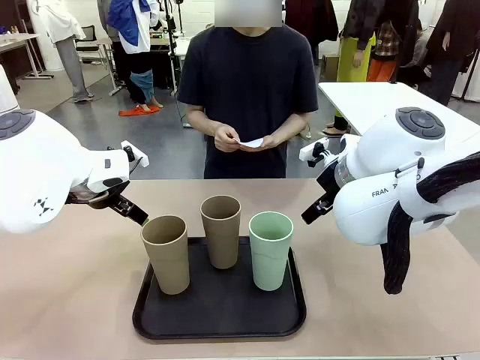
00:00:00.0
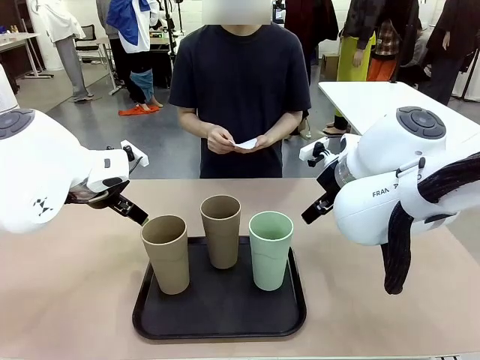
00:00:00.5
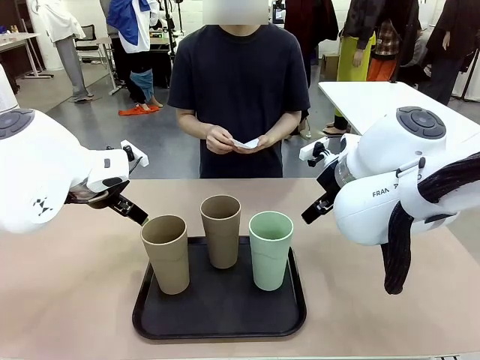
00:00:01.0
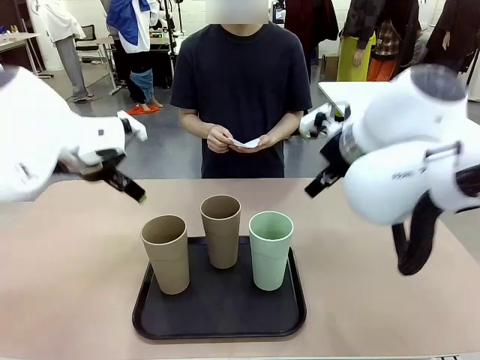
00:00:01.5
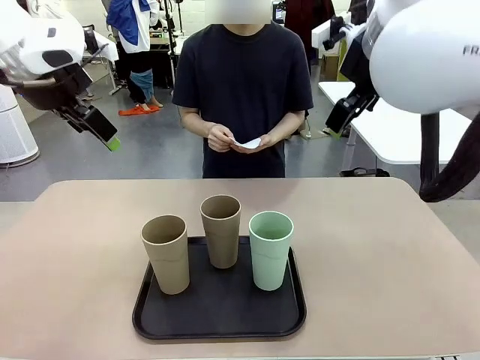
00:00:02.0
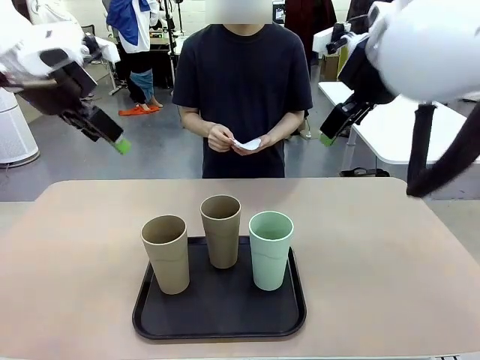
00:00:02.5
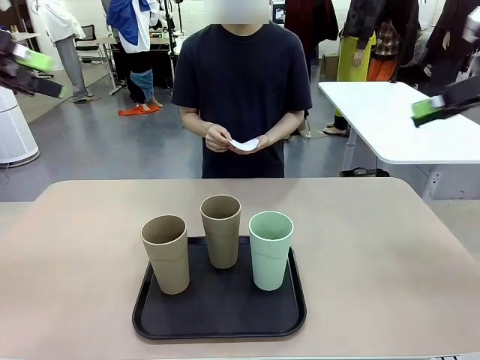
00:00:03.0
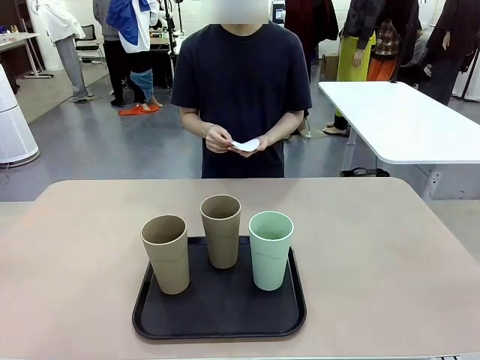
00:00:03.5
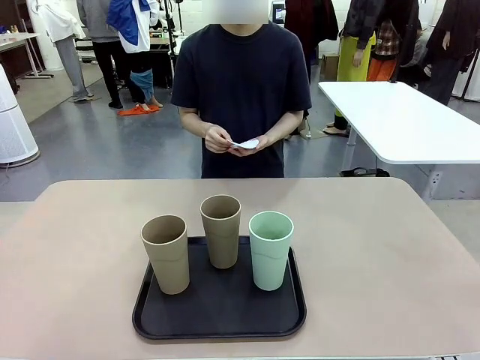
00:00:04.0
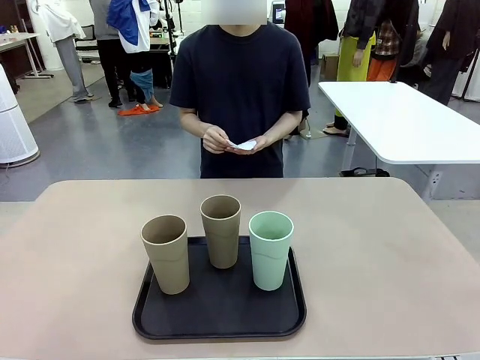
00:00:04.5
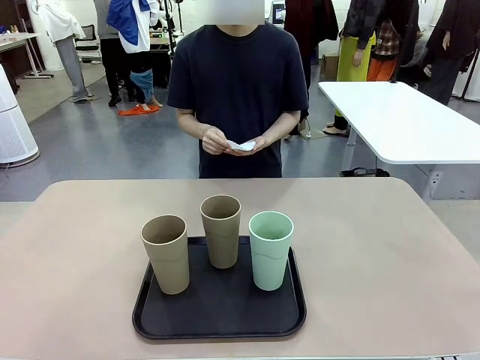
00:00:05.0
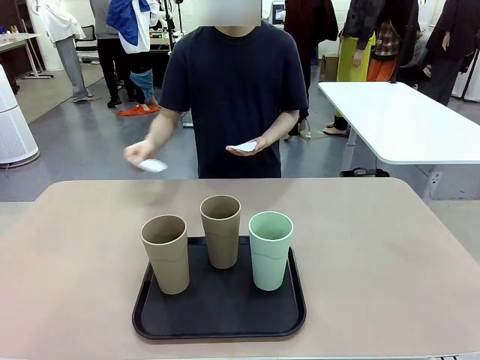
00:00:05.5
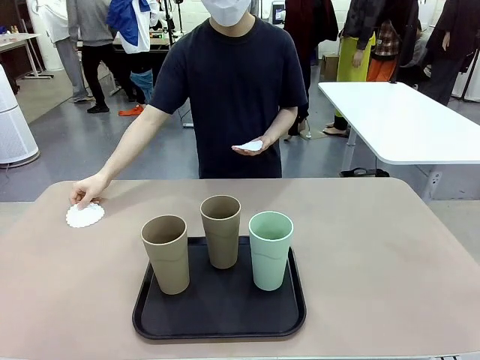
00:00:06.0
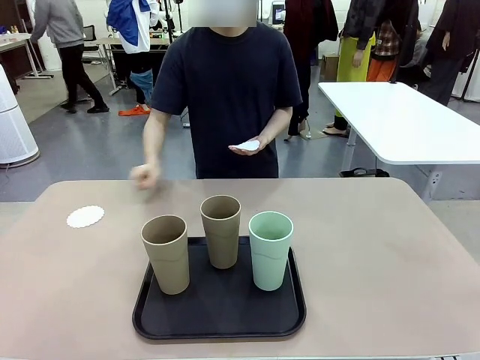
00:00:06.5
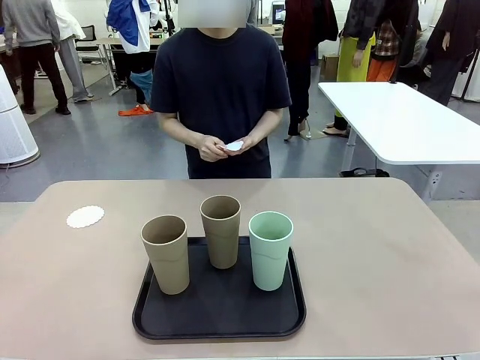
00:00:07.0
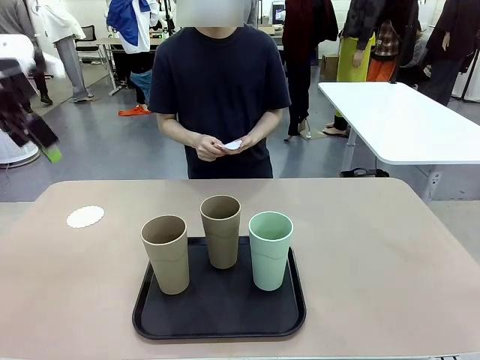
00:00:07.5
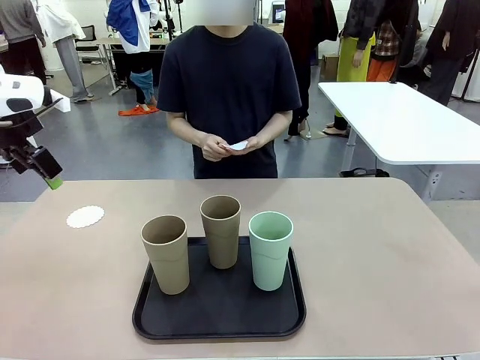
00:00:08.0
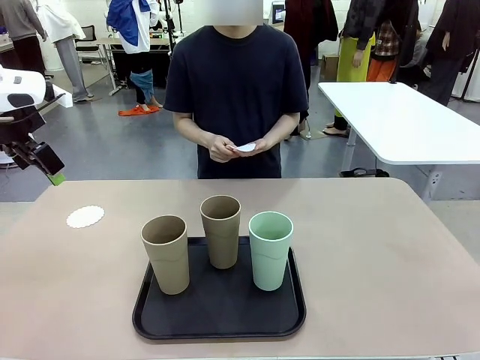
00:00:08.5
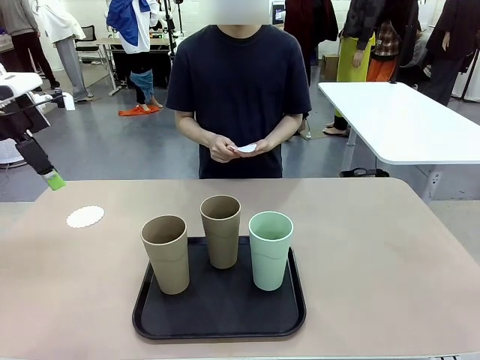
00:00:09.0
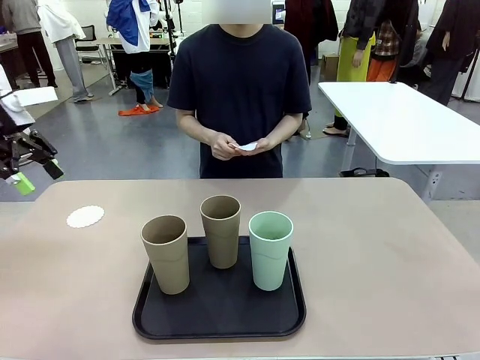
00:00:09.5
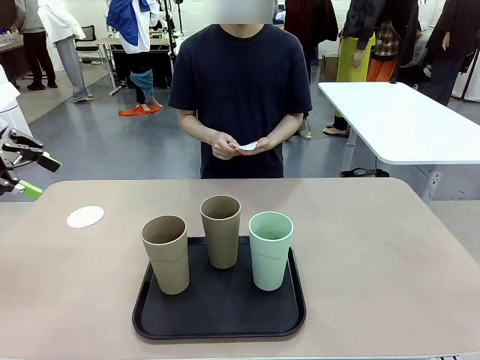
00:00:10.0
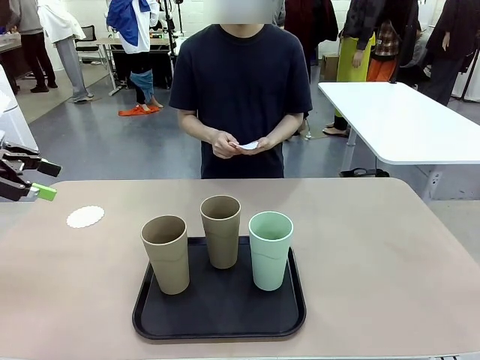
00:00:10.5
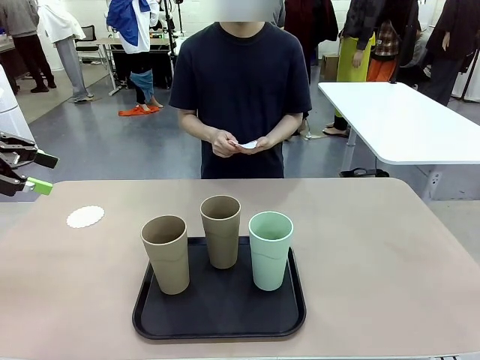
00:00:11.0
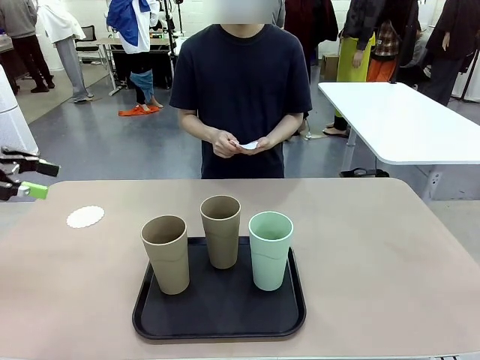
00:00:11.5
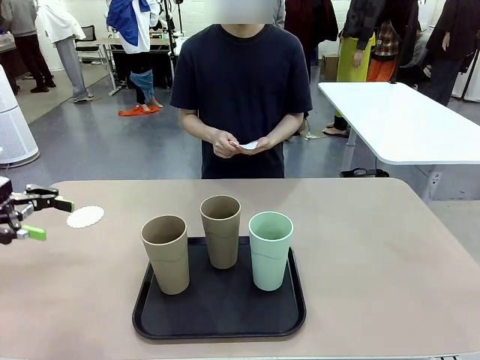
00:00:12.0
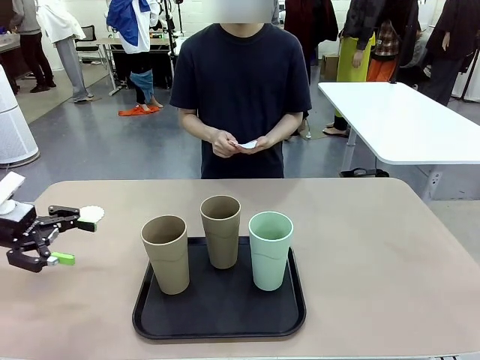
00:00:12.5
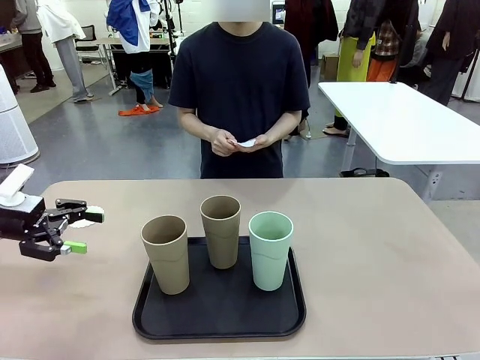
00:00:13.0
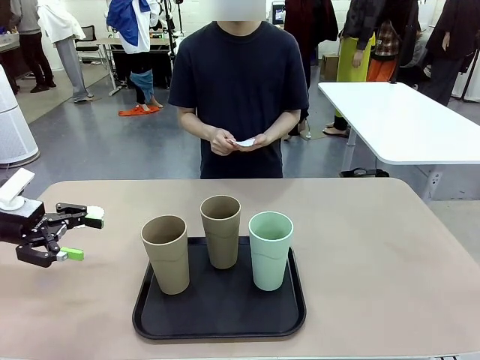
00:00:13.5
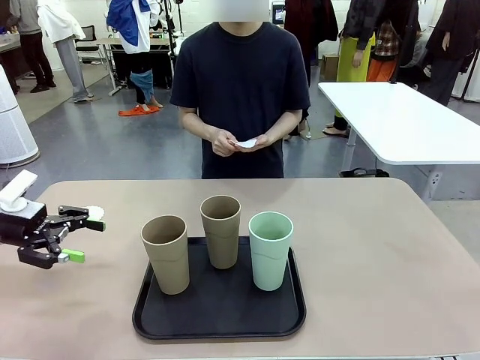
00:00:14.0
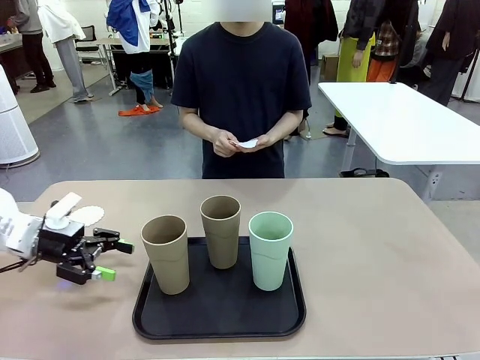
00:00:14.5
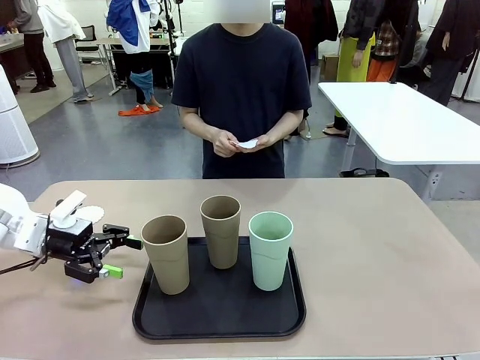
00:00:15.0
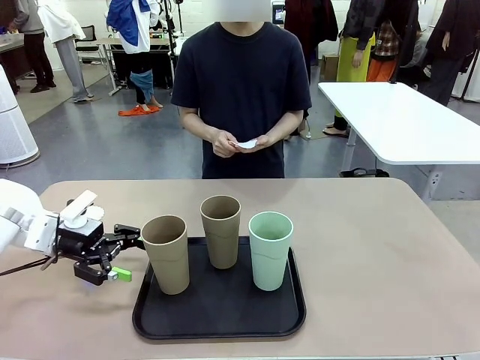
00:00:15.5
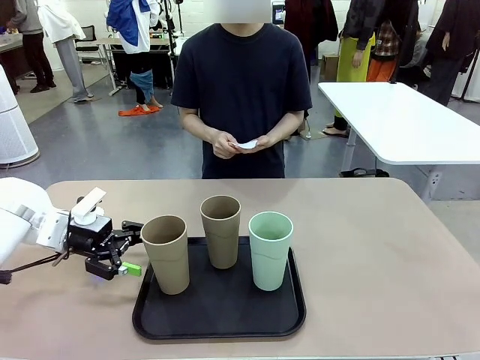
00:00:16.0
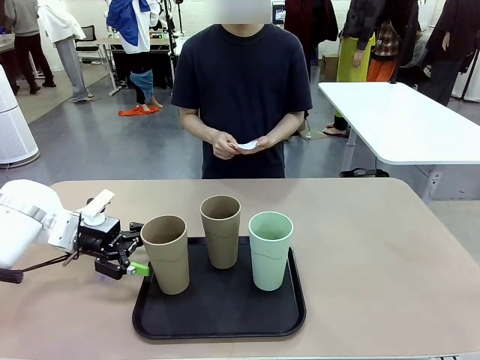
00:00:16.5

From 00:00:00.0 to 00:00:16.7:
Task: Place coasters on the table and set cups on them.
Robot: Pick up one Reusable plastic cup and place it on a coaster set by the human.
Person: Place one coaster in any one of the three lower areas of the robot table (left, center, or right).
